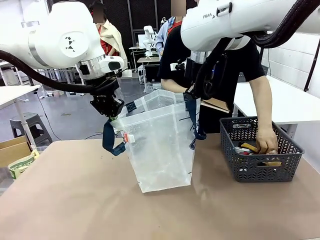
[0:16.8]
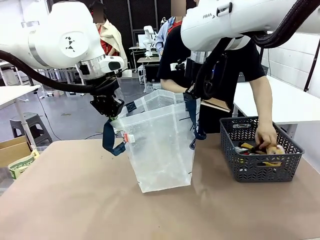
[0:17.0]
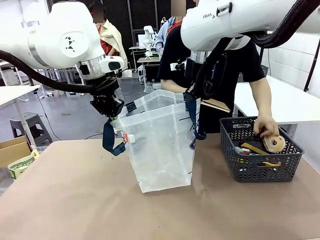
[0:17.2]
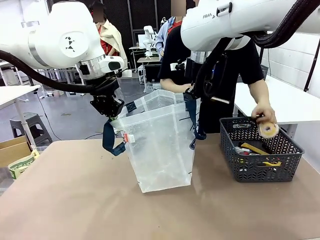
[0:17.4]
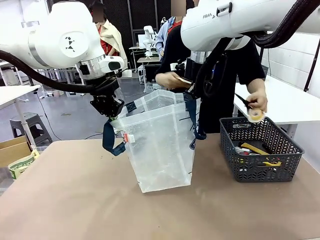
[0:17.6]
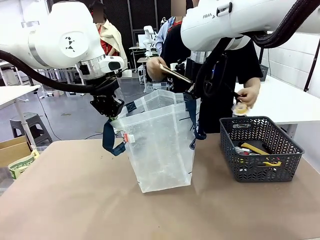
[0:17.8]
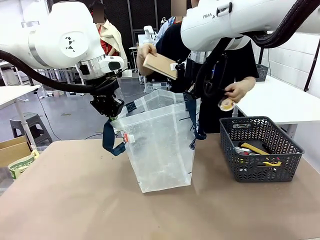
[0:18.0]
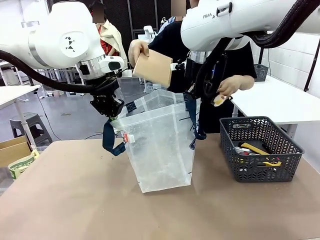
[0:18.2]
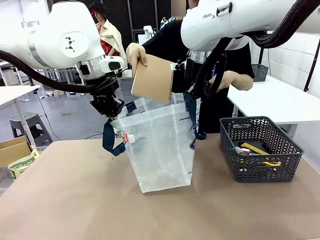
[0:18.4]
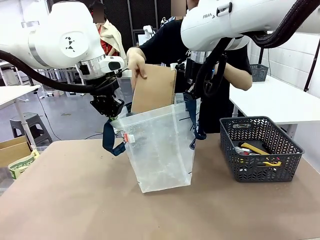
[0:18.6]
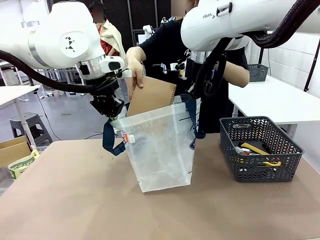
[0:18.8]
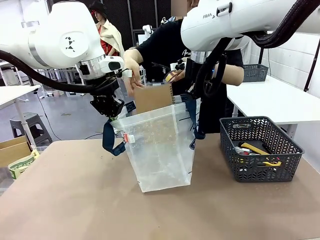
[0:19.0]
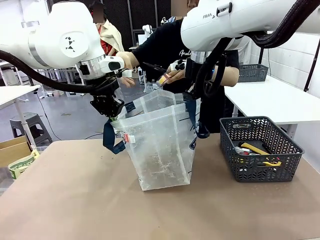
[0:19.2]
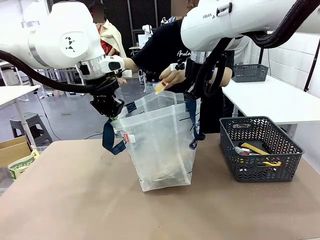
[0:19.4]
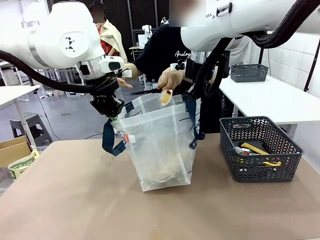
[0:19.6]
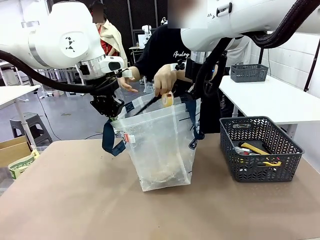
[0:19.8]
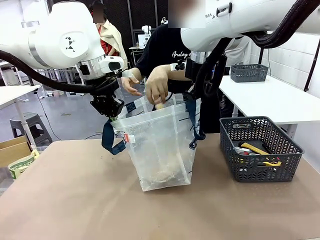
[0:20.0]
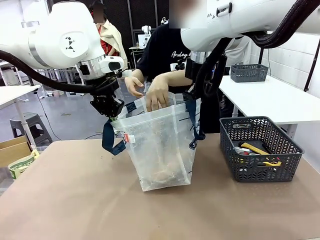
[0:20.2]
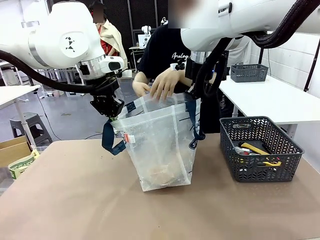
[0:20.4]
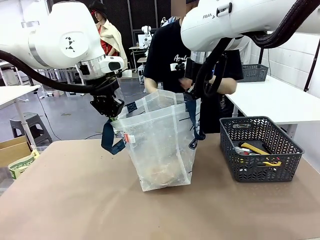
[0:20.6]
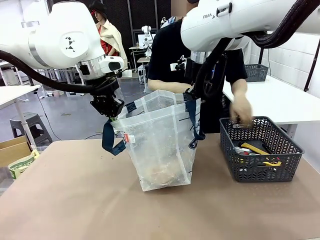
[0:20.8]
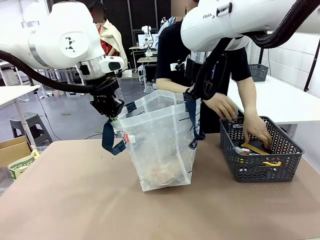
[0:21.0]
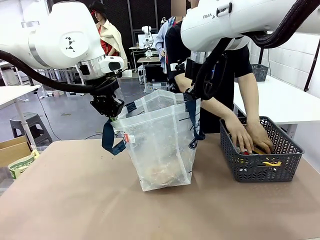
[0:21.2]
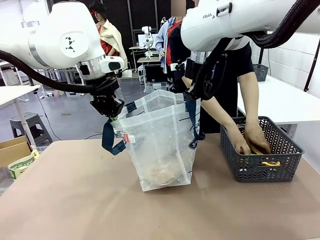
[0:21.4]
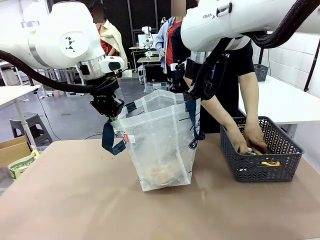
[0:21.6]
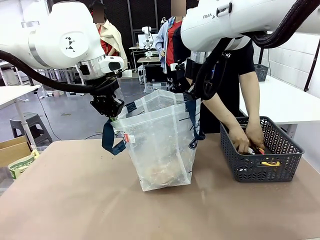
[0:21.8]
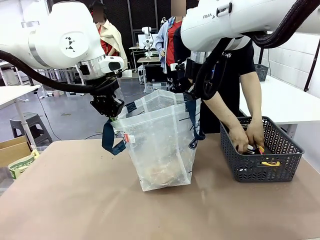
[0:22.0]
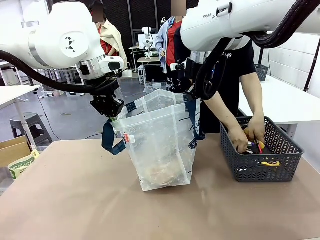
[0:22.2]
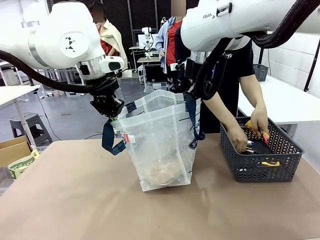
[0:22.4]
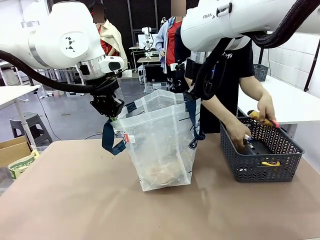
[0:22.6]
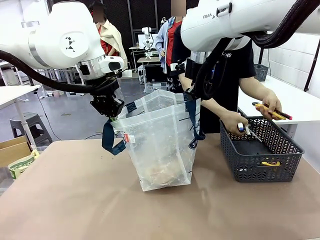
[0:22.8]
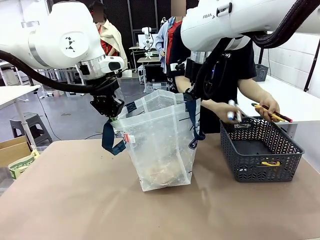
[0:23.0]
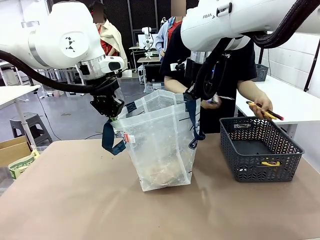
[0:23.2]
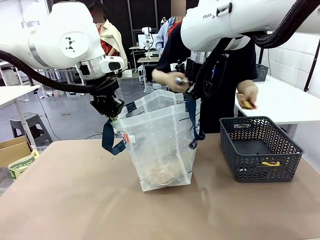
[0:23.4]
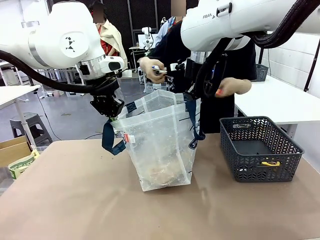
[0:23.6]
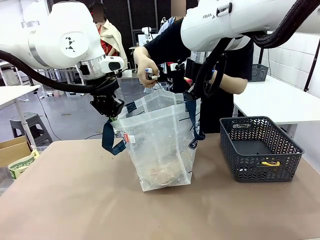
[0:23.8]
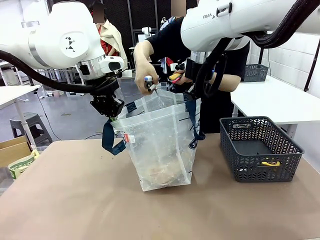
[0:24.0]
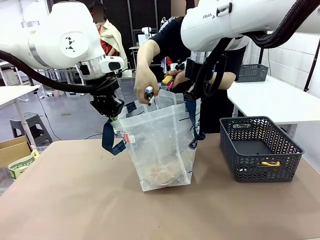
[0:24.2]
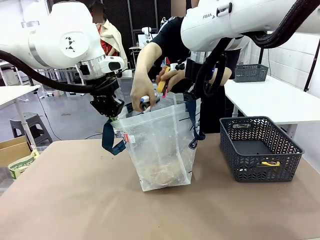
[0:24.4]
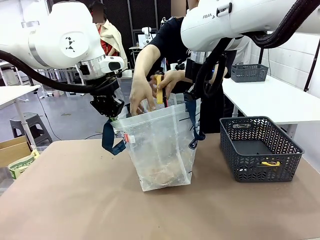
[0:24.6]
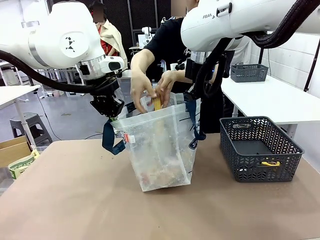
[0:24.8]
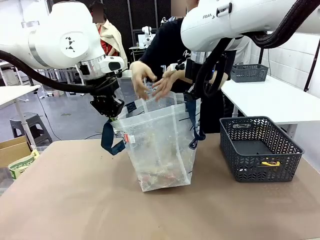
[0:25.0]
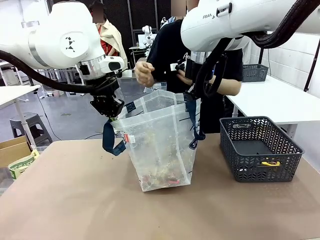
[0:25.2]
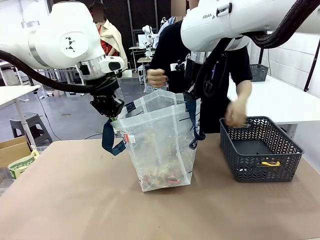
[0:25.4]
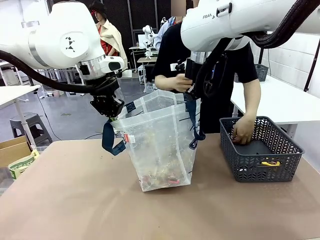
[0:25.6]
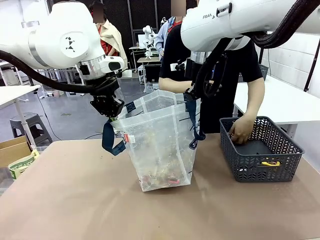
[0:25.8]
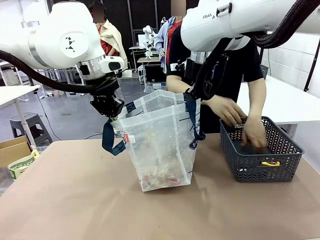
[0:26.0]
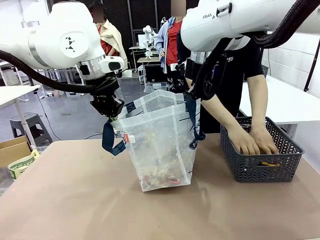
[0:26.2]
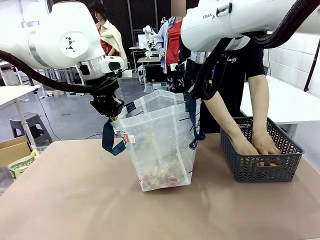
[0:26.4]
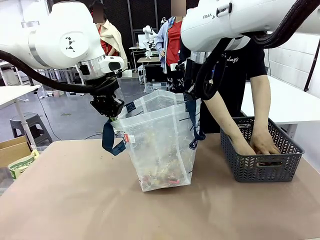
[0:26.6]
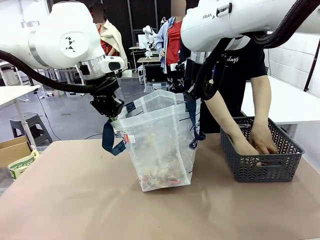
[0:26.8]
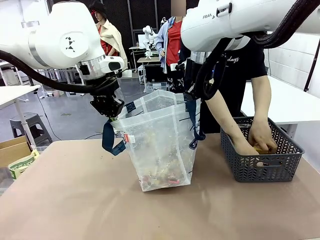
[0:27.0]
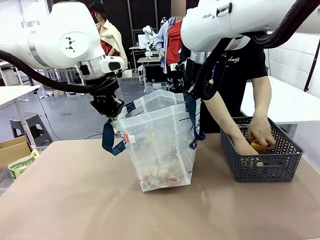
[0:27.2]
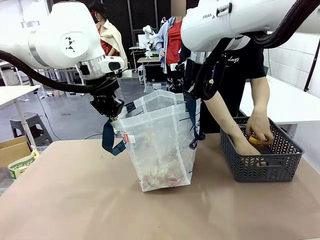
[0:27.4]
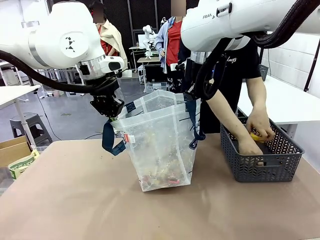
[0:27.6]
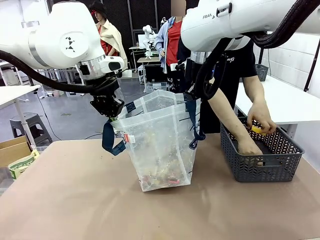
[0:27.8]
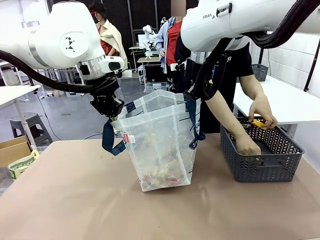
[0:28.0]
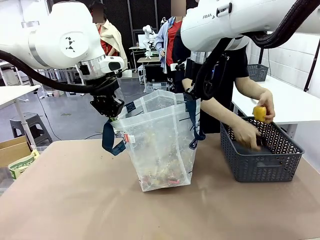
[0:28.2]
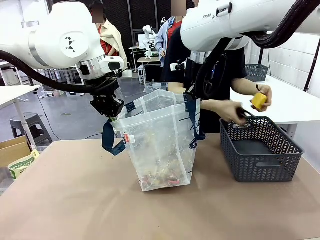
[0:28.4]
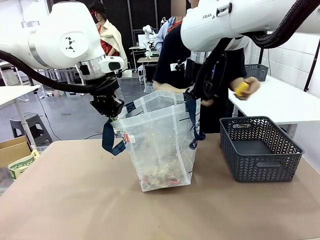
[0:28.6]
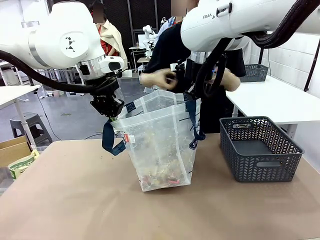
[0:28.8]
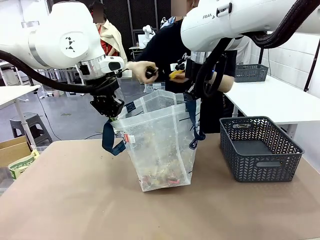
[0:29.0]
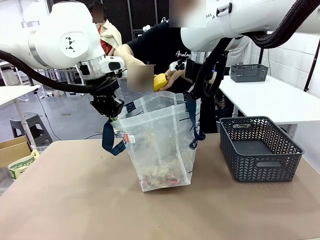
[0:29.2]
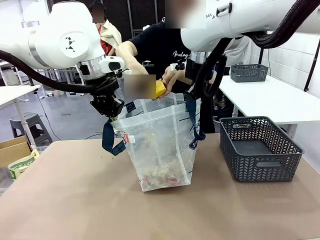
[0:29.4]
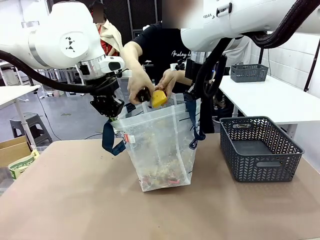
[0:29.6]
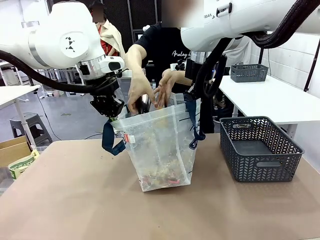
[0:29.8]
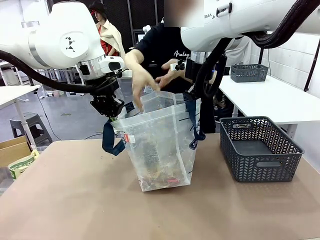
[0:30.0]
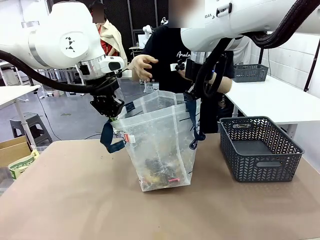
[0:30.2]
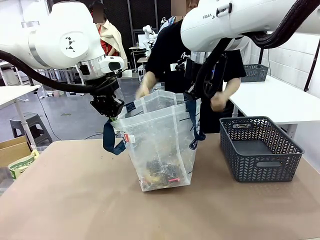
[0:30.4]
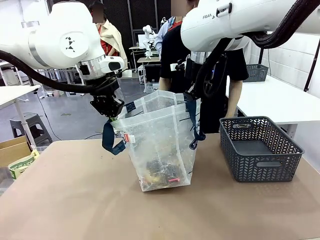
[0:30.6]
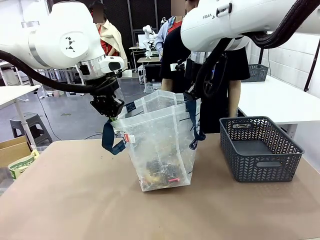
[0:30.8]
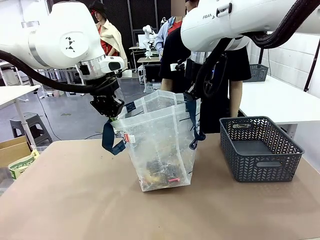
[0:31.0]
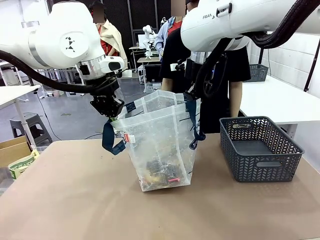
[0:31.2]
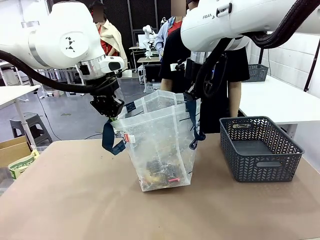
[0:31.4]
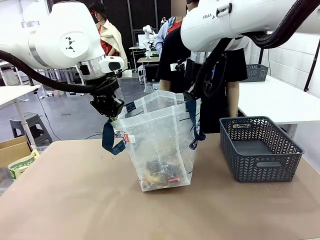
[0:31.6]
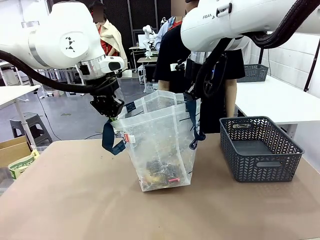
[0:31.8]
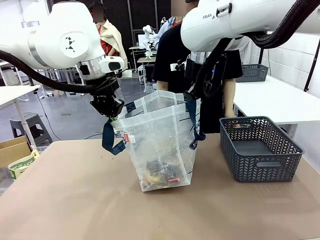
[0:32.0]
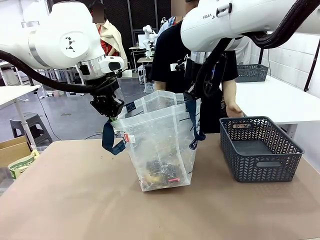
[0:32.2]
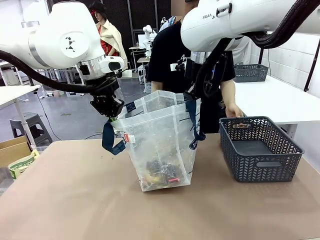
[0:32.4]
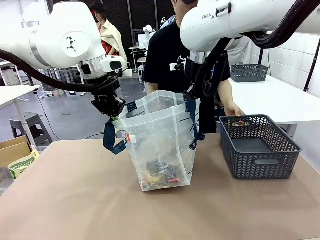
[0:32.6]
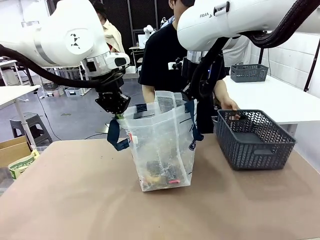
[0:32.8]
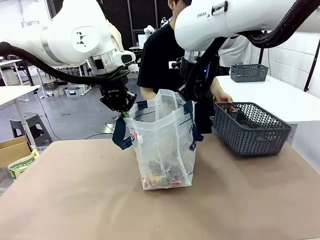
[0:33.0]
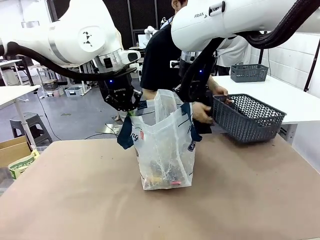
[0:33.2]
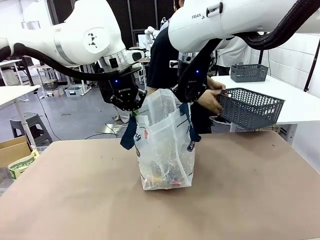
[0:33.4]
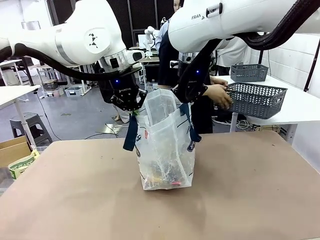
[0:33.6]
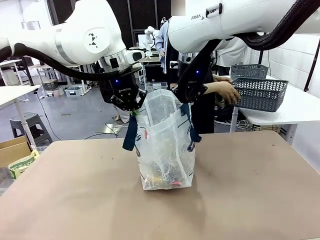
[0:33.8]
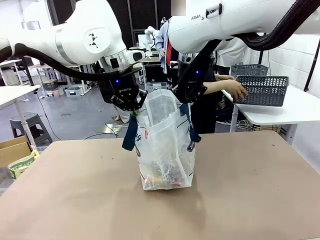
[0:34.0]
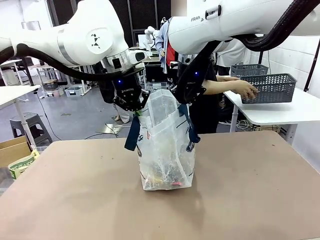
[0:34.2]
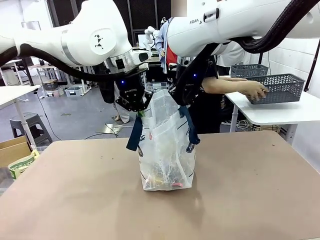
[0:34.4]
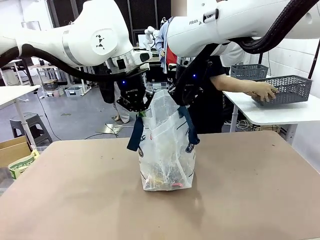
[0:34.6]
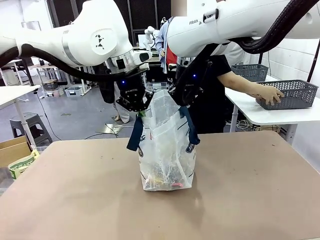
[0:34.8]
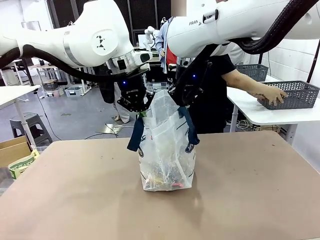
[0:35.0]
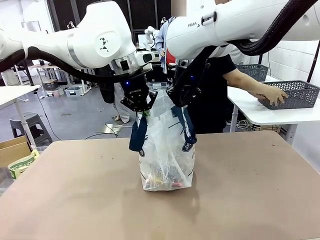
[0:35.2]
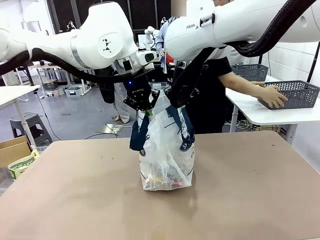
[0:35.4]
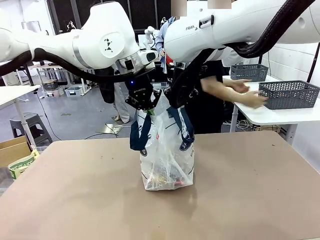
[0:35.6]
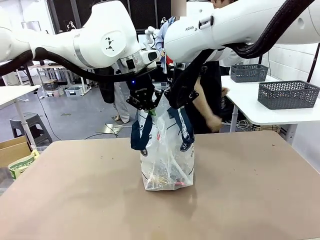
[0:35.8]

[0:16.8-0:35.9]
Task: Transfer purchased items from the store into the shopping bag.
Robot: Move the Reusable shopping bag to the right side of the table.
Person: Pick up the basket on the right, place it on the left side of the robot table, and move the items in the basket to the shopping bag. Pick up the basket with the items out and place it on the right side of the human table.
